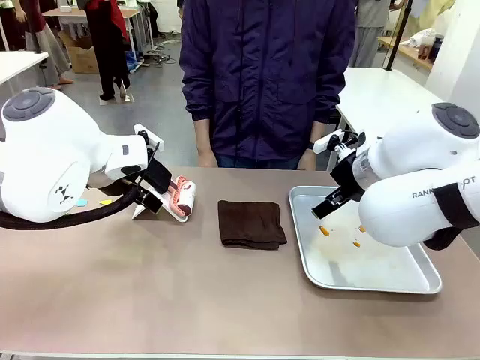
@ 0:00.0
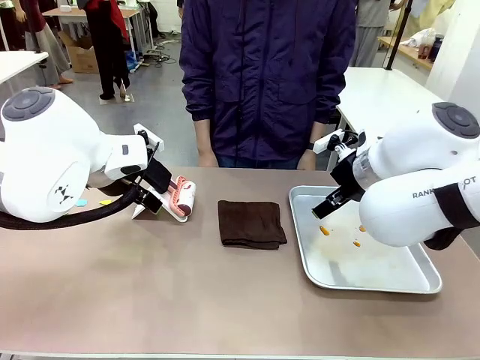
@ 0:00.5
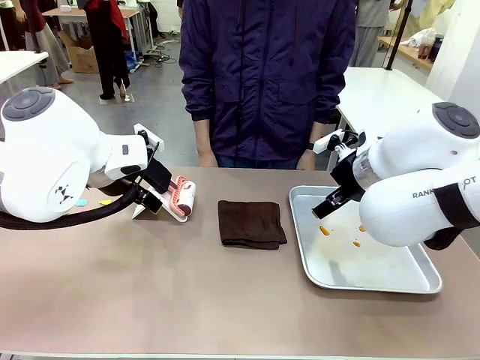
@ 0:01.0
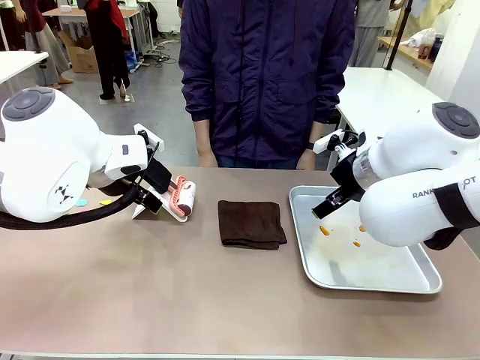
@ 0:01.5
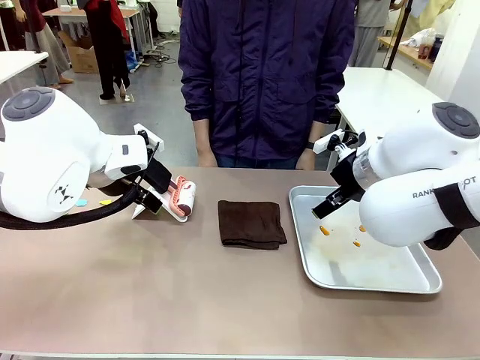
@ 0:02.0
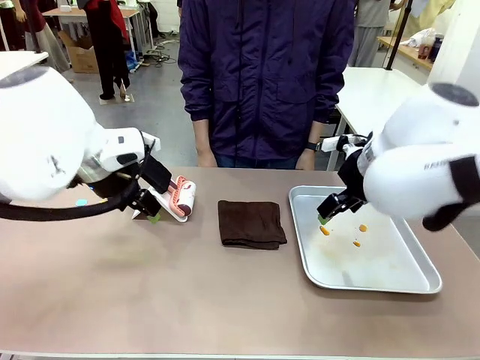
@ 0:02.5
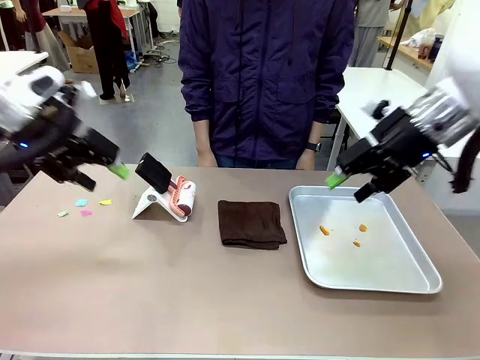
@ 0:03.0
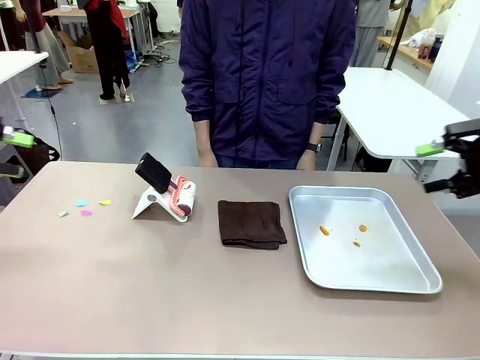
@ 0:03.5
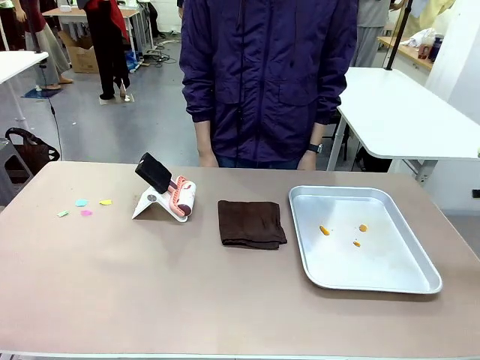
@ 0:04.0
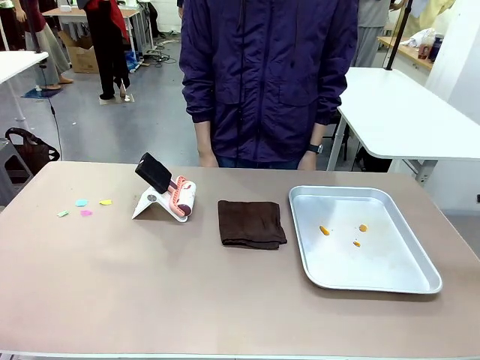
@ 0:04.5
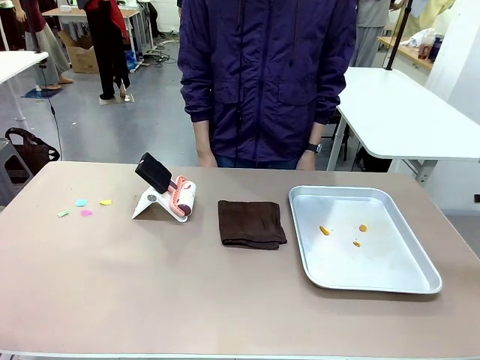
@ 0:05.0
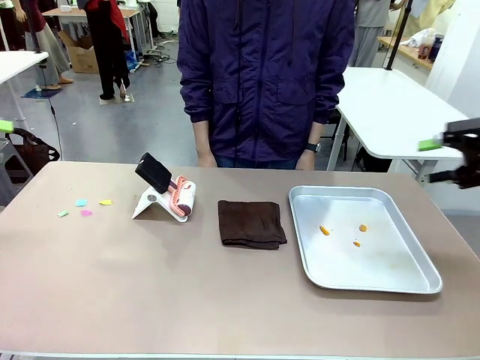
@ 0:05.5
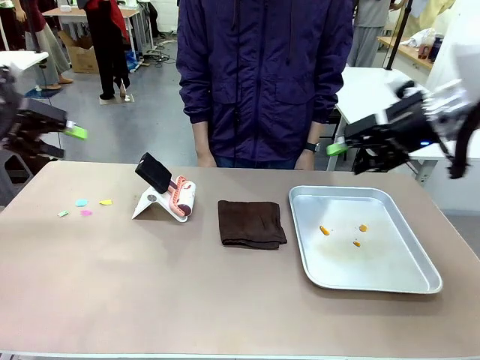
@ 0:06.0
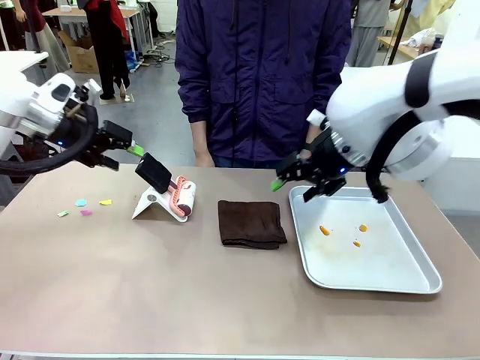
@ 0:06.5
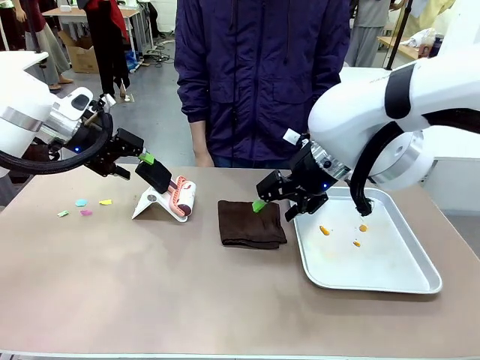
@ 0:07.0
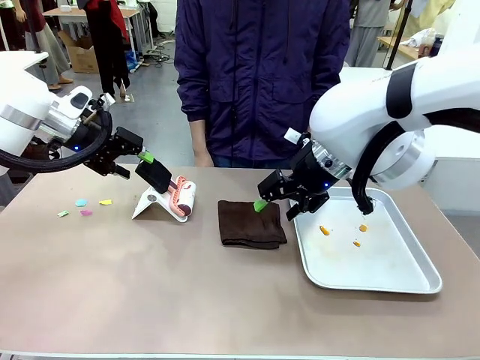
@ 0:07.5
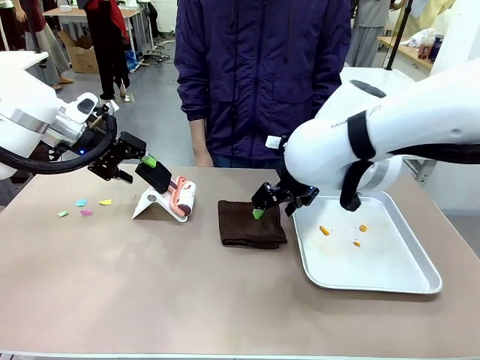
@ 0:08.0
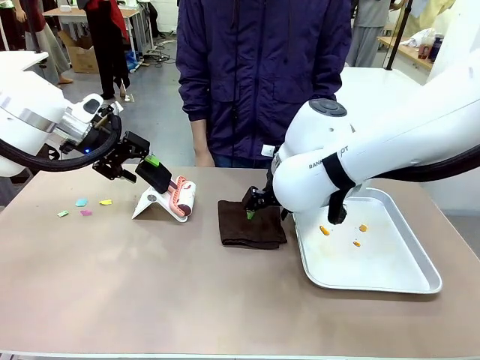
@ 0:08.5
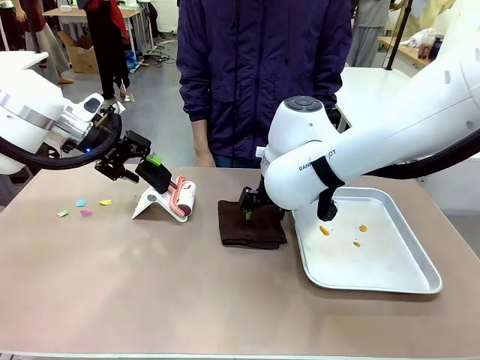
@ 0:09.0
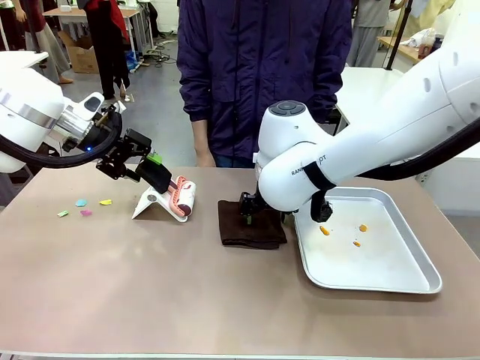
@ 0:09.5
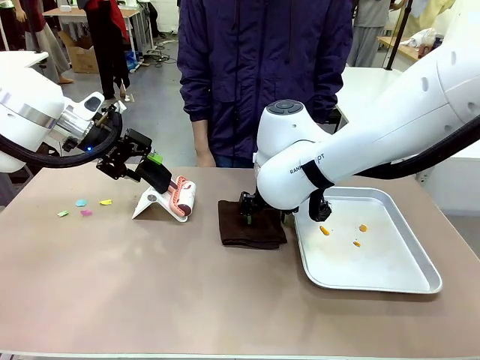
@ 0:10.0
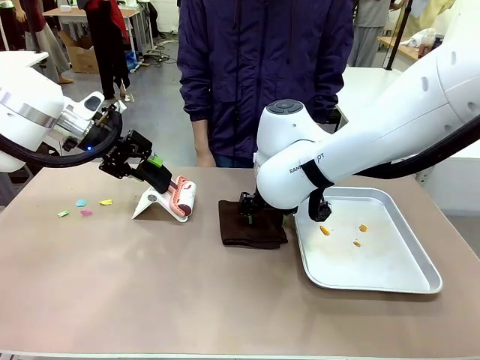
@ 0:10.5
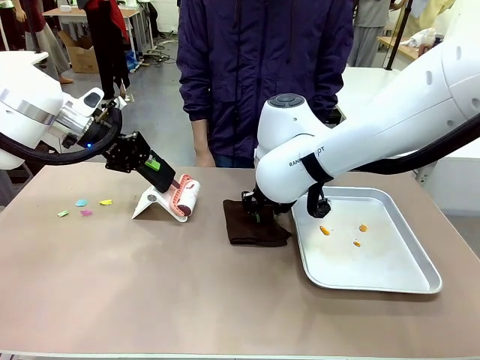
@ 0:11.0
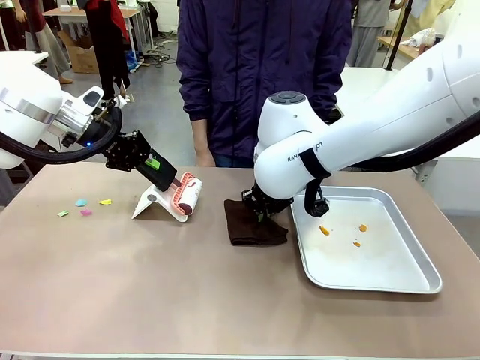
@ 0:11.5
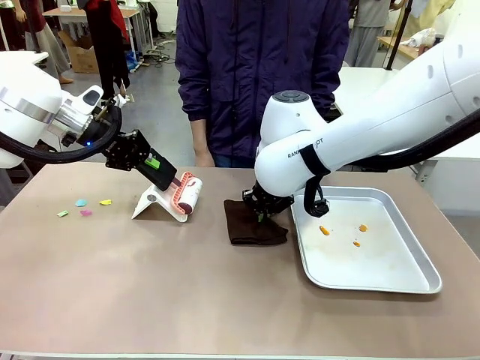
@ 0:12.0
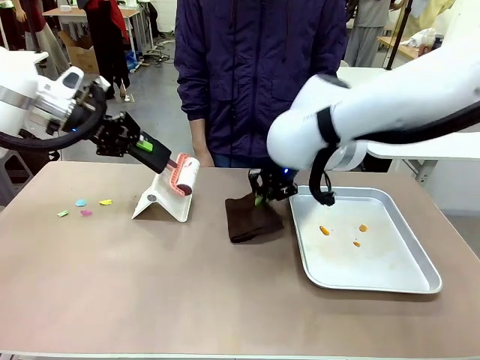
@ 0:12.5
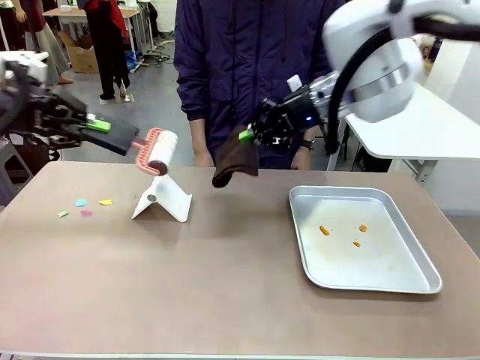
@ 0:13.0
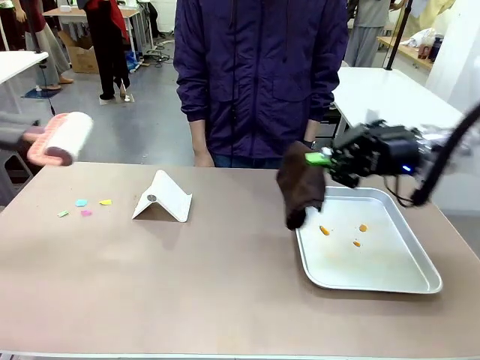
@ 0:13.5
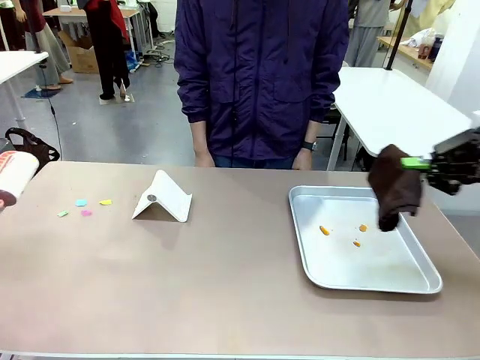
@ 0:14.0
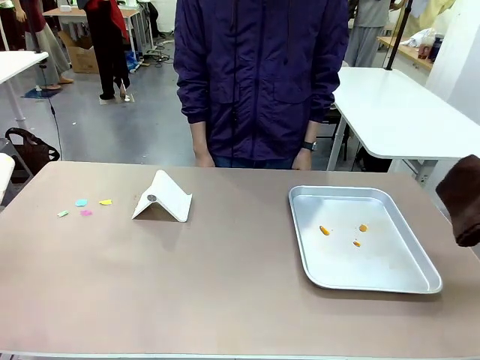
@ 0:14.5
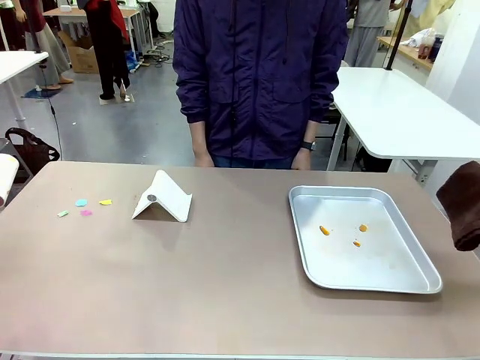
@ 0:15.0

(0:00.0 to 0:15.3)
Task: Clean the surface of the table.
Robot: Hold the Lint Roller with your left hand and the towel with your right hand.

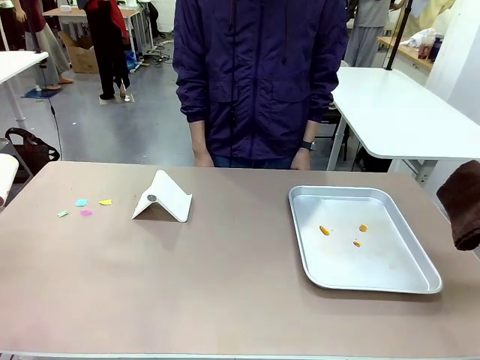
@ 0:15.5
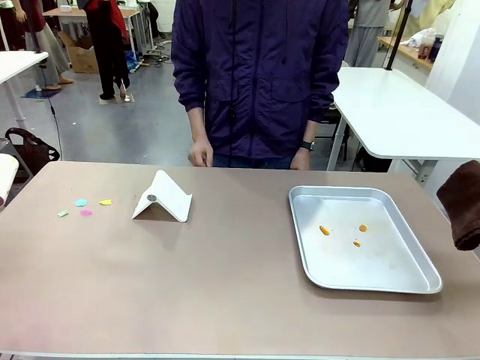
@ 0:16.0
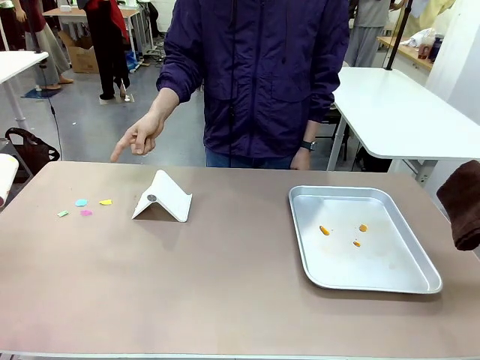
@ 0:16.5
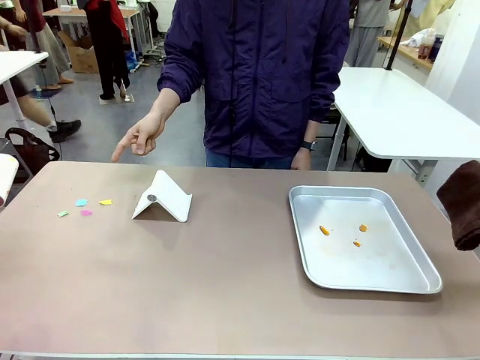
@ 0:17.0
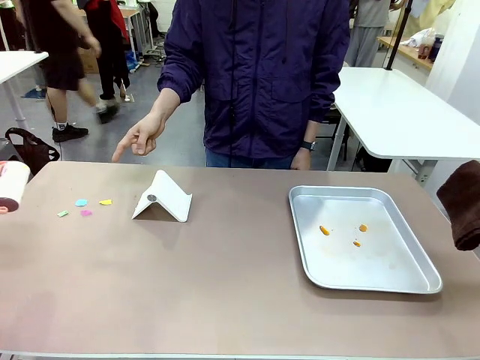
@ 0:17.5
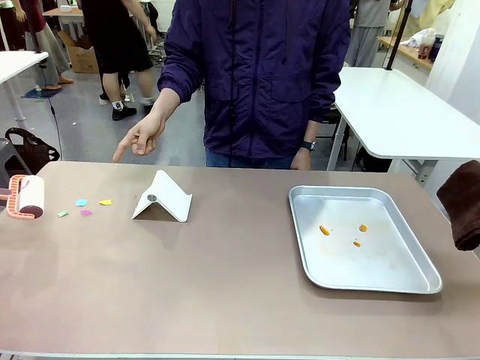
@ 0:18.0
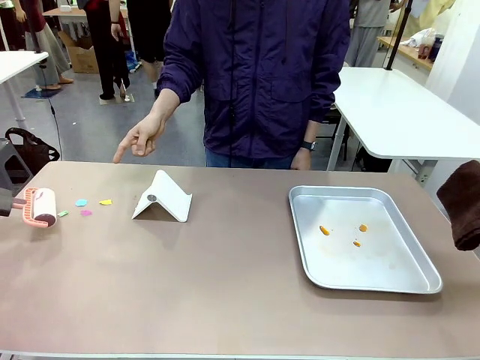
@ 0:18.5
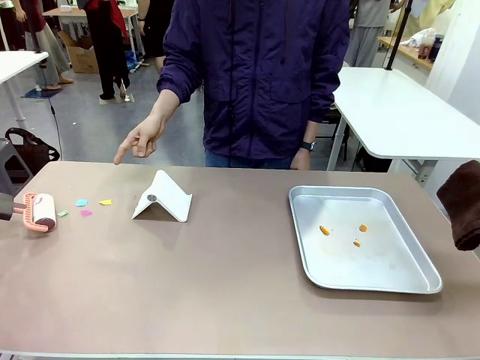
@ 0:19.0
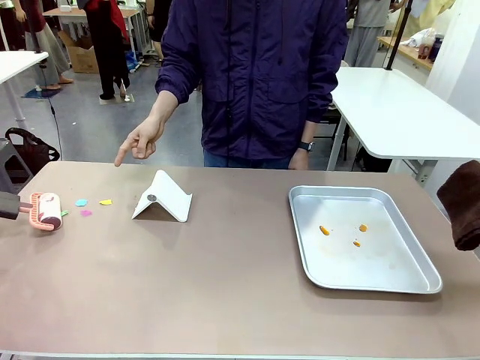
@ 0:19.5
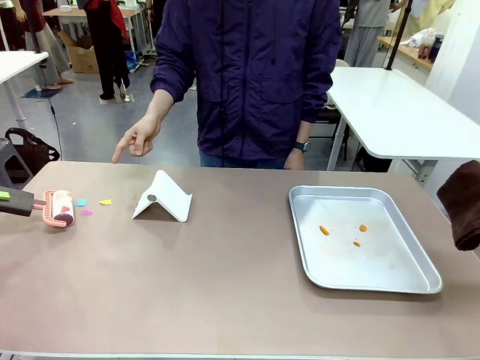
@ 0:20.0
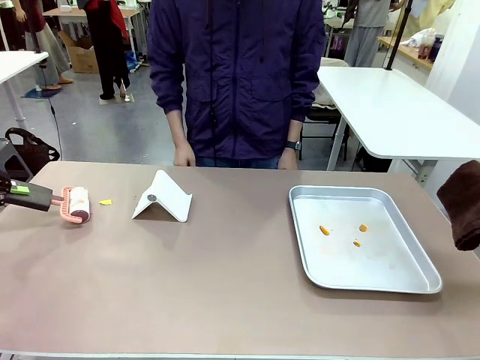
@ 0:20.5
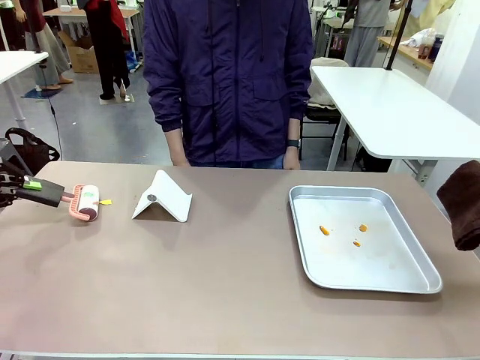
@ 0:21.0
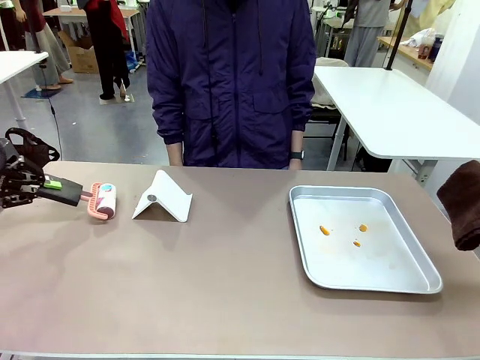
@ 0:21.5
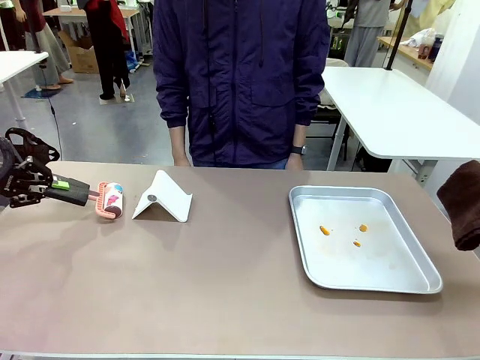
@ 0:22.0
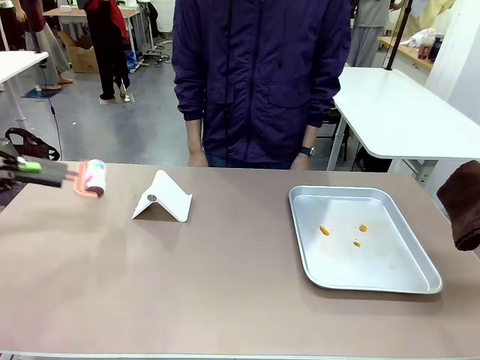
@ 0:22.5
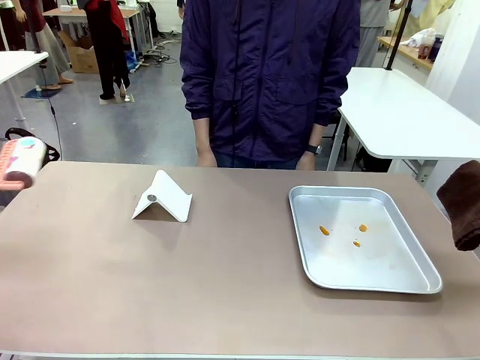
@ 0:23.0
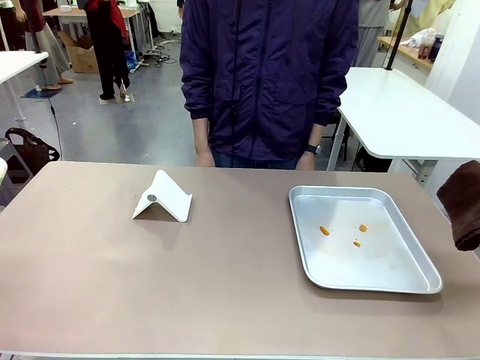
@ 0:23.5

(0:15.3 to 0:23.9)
Robot: If a person points to the right, clean the right side of the table with your right hand, and if they point to the left, clean the left side with your left hand.
